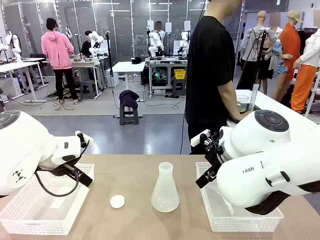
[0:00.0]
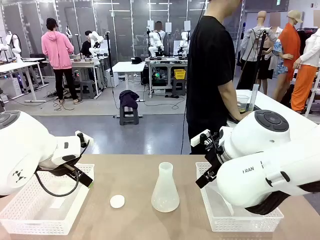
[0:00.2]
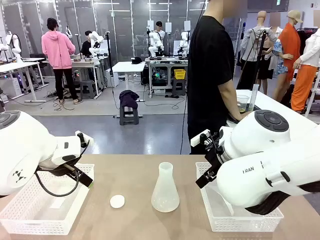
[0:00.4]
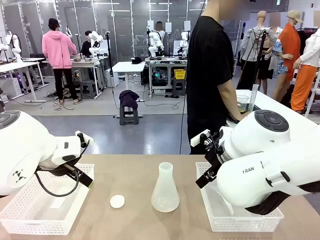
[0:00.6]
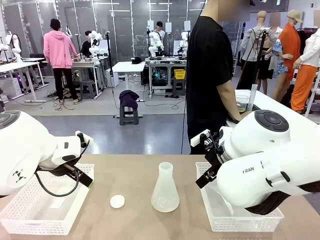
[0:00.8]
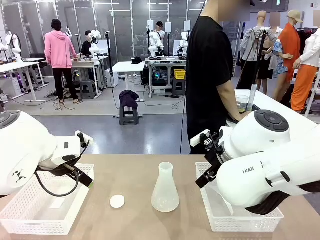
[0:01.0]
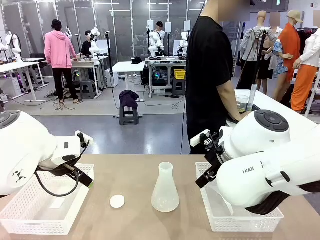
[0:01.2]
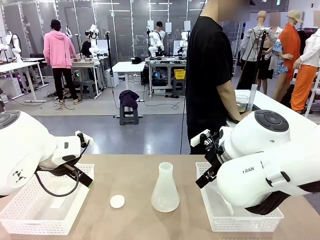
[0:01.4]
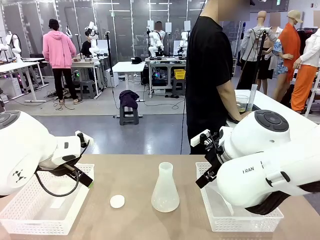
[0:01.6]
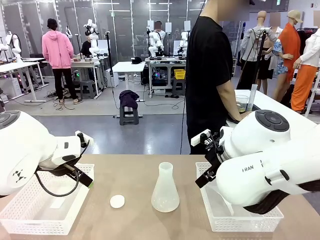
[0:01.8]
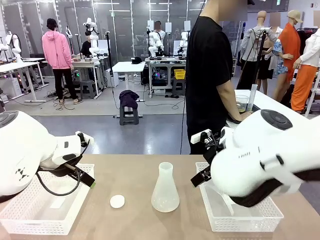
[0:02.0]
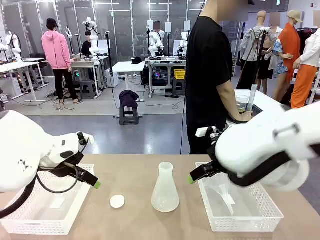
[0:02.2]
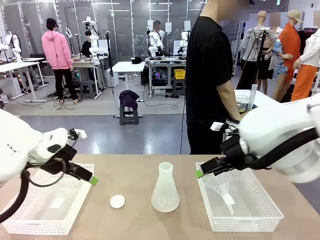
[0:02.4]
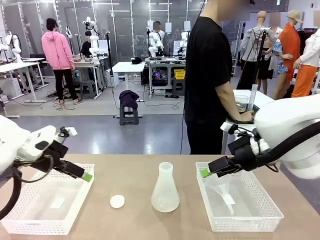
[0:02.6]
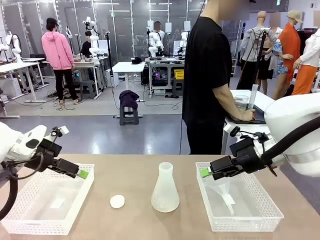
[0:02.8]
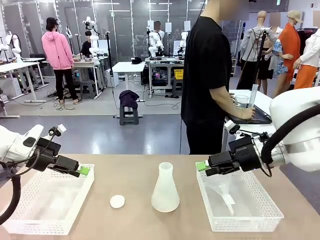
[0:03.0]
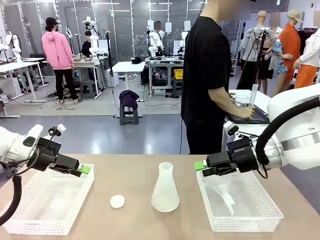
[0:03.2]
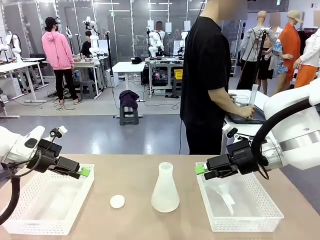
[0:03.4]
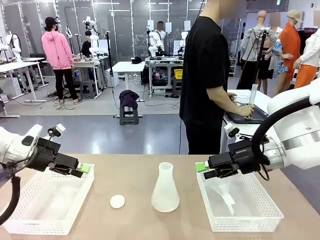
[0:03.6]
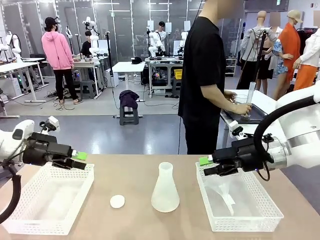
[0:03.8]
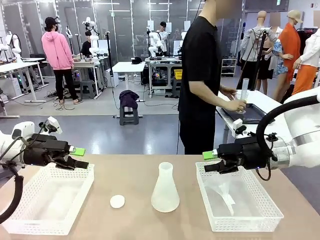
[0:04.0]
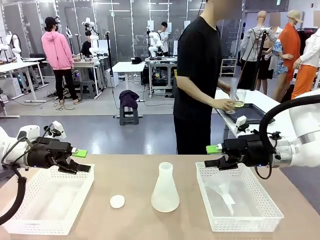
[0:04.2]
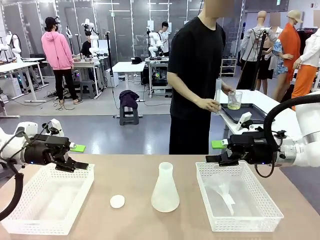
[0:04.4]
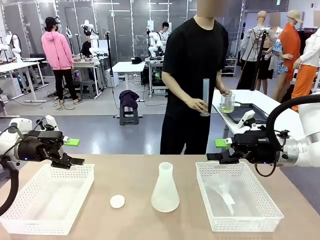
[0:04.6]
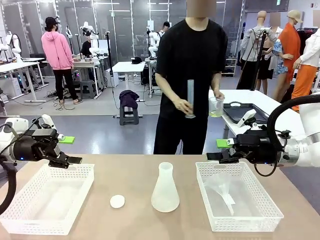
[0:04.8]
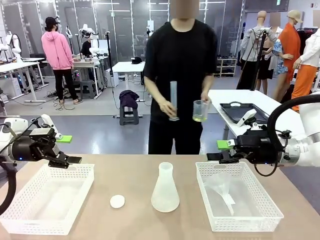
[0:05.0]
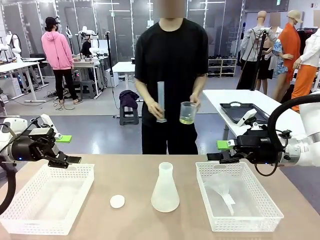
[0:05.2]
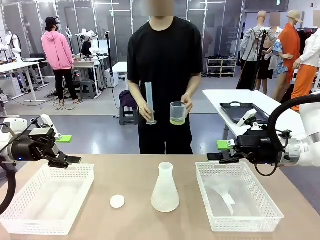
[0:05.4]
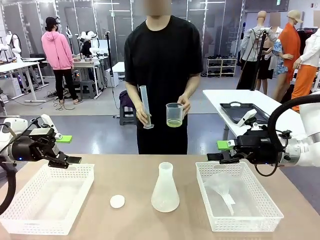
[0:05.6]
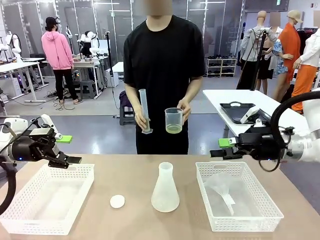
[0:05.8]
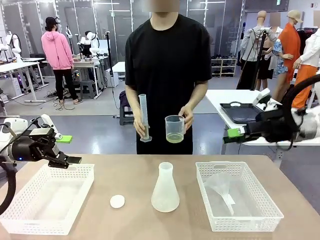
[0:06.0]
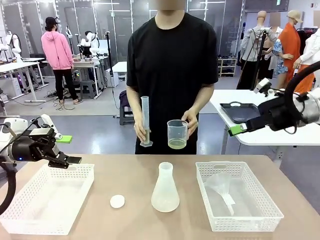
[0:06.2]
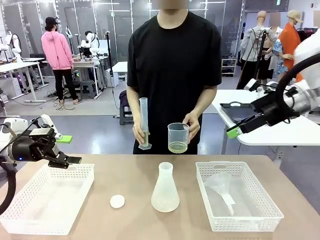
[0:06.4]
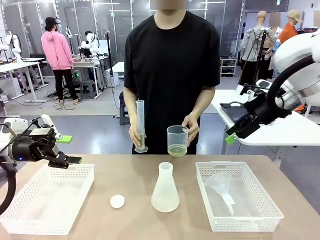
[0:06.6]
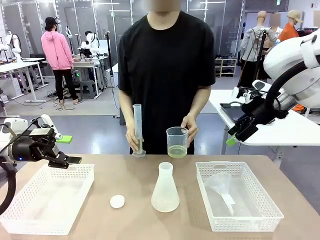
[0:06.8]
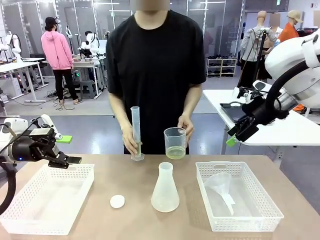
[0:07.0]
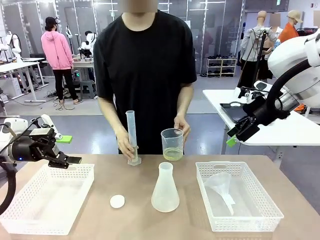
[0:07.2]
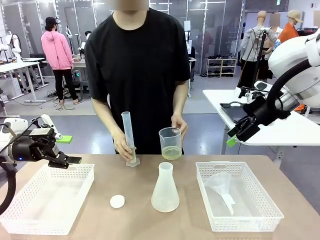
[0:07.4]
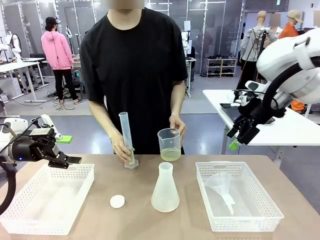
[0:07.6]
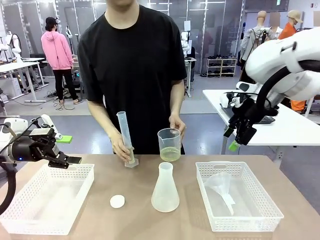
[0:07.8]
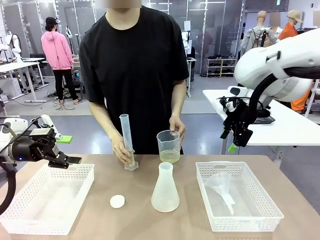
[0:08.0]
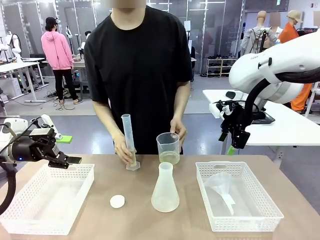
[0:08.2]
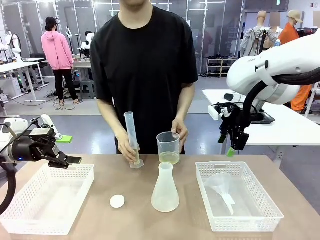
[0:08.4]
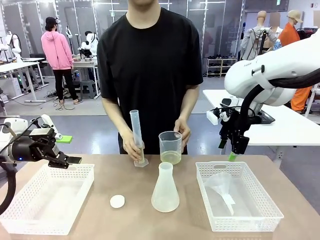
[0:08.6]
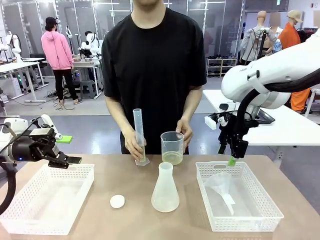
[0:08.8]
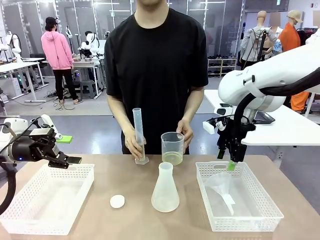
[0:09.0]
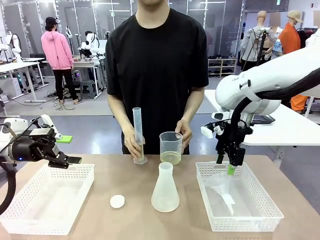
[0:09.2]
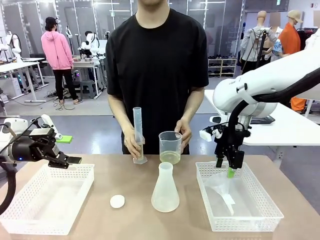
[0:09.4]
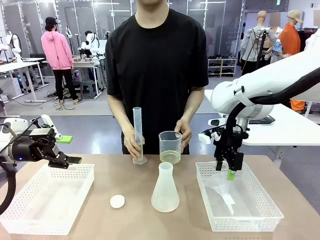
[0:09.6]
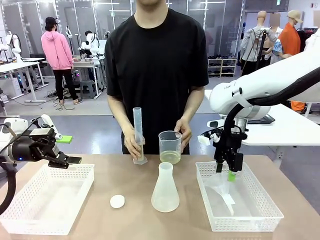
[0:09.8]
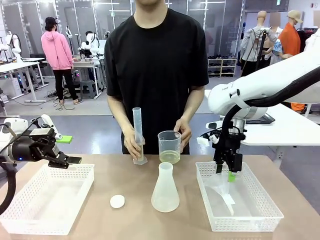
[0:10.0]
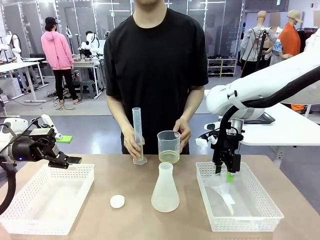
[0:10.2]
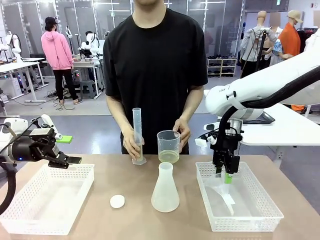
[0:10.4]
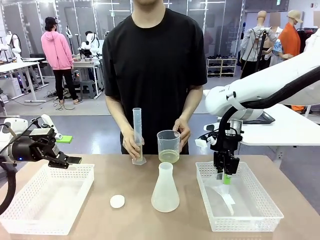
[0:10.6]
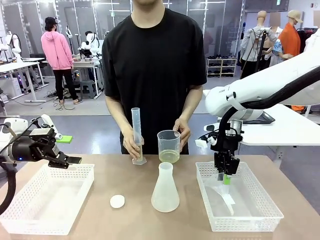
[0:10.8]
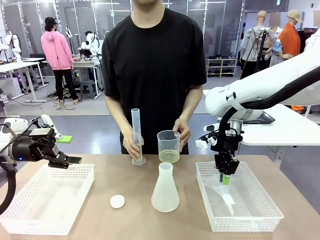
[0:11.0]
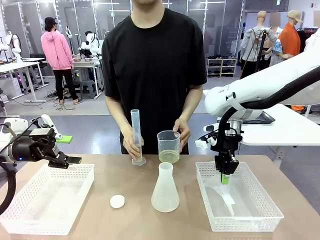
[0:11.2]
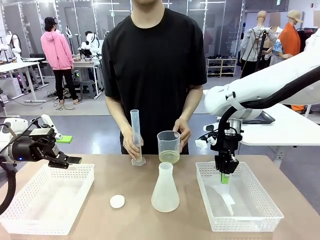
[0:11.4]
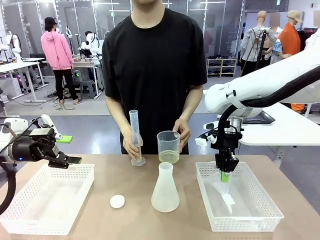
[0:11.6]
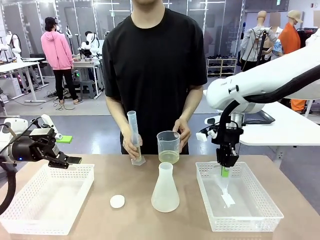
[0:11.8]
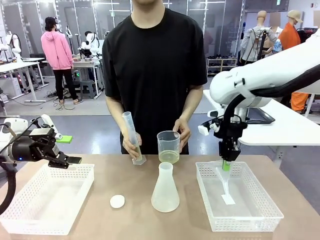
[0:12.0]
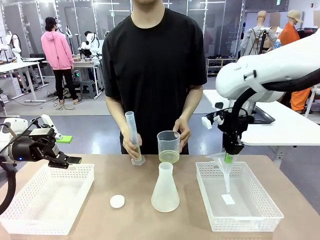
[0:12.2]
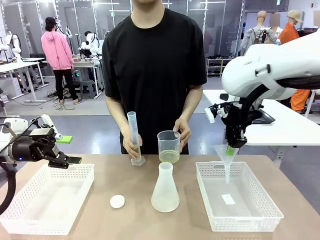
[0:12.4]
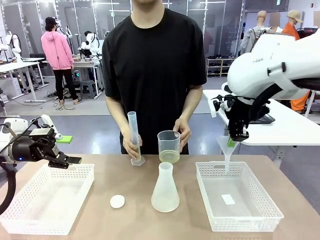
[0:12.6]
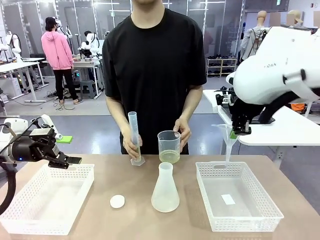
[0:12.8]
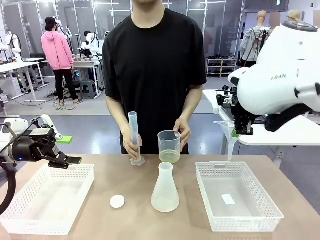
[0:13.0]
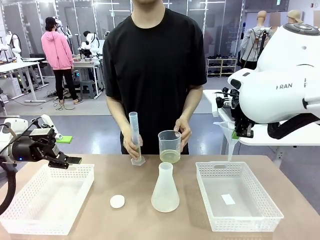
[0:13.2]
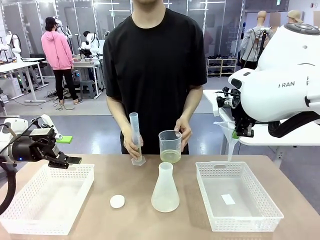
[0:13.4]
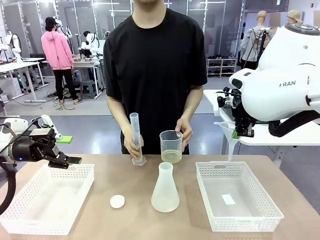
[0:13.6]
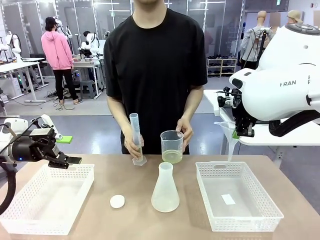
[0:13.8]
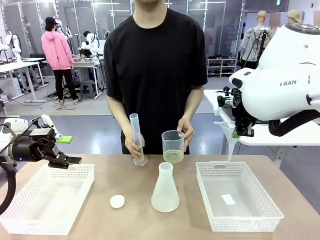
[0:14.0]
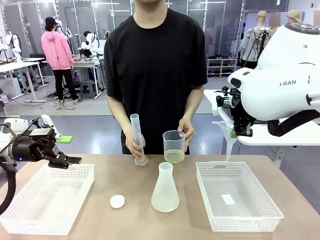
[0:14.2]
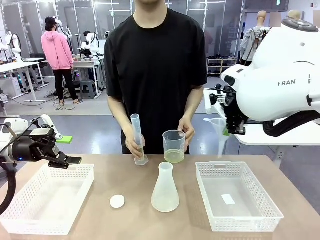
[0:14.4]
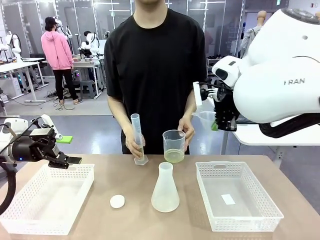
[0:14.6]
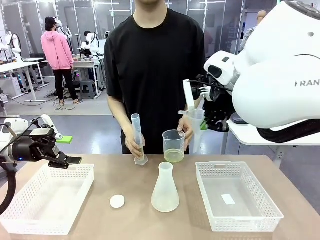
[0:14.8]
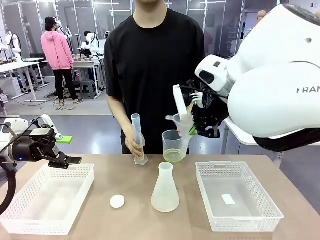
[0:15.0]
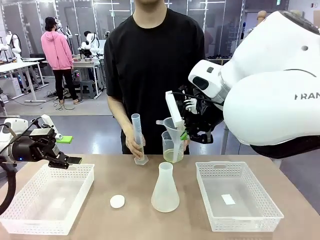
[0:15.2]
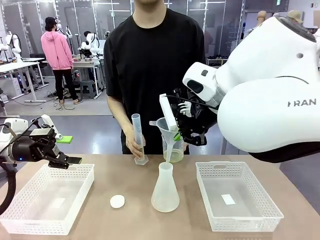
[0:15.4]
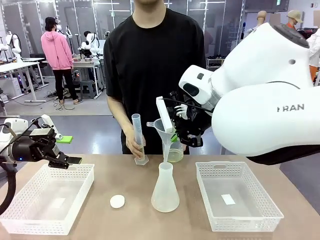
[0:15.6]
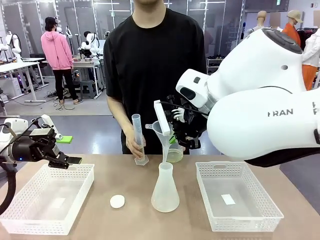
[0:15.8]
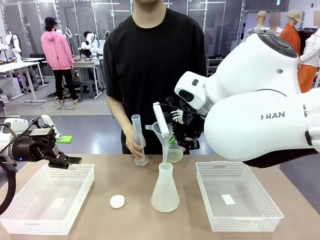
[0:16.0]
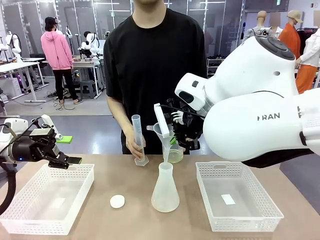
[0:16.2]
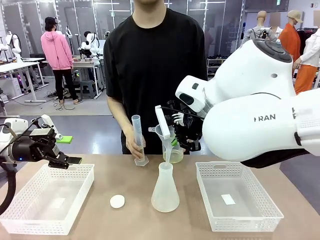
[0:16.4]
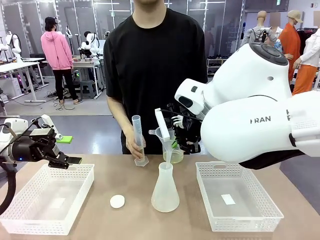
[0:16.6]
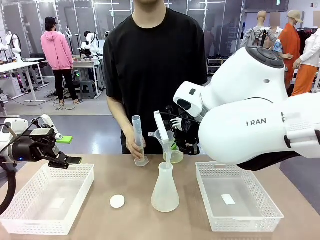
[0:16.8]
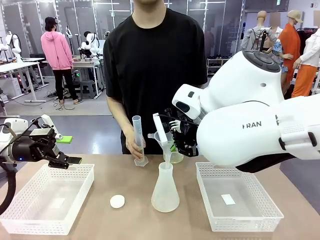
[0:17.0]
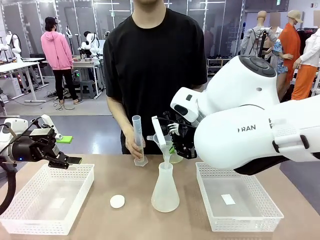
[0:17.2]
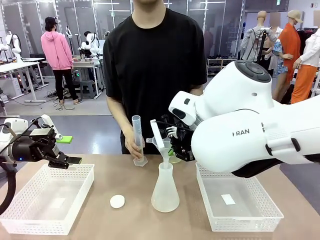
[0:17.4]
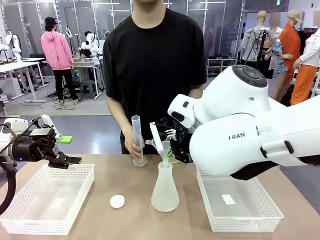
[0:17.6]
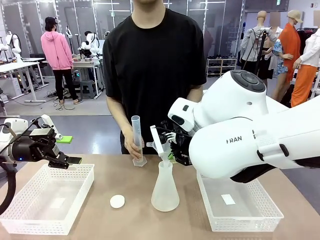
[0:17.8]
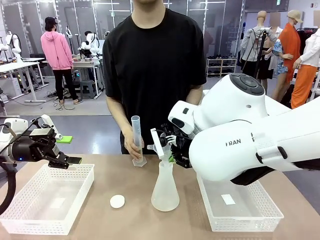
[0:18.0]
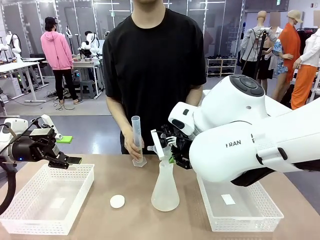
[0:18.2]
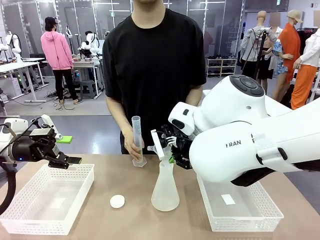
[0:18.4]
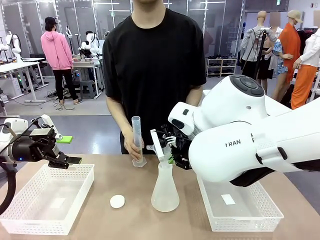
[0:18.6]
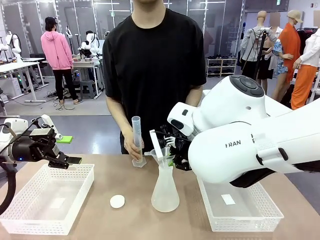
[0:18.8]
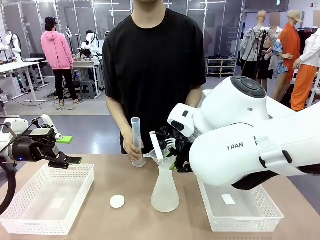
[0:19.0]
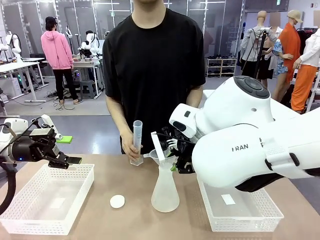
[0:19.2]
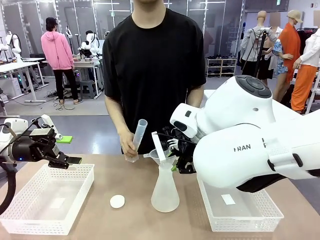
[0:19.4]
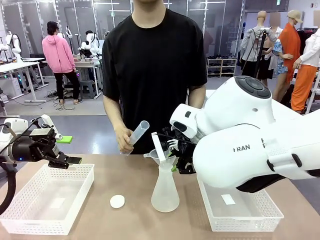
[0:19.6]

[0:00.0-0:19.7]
Task: Prepare the solutions needed for the experiment.
Robot: Pick up the Plastic Funnel and insert it into the Big flask.
Person: Pick up the beaker and the cylinder and move to the middle of the robot table. Pour the solution from the beaker and the cylinder into the flask.
